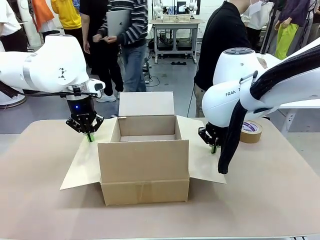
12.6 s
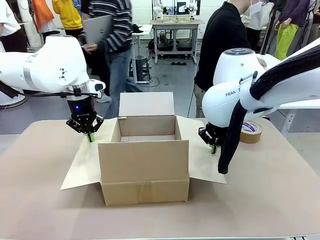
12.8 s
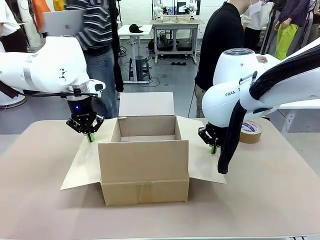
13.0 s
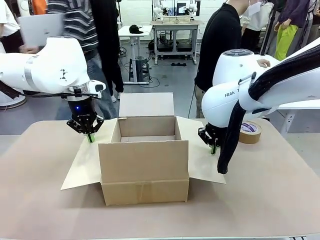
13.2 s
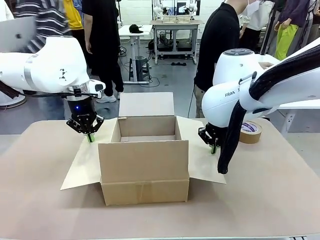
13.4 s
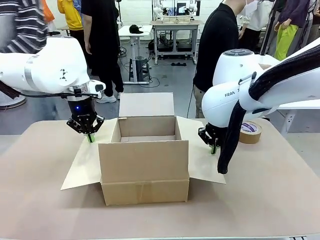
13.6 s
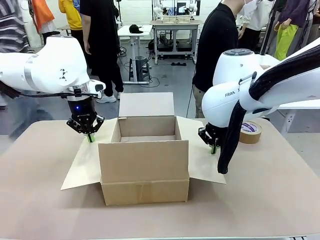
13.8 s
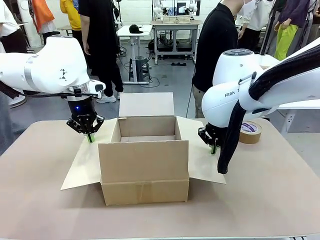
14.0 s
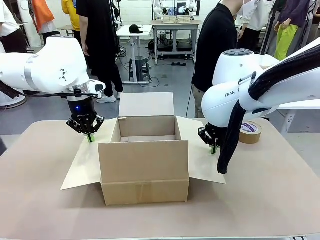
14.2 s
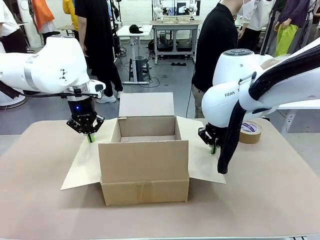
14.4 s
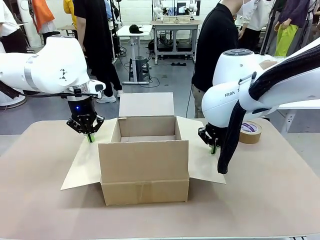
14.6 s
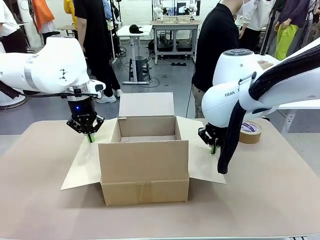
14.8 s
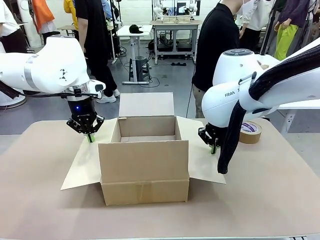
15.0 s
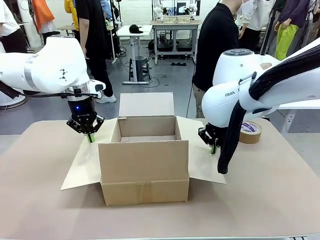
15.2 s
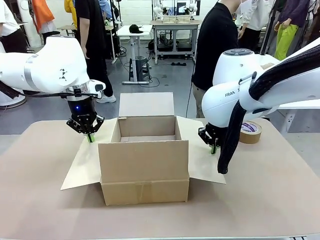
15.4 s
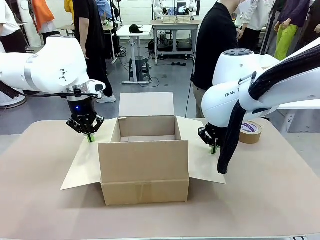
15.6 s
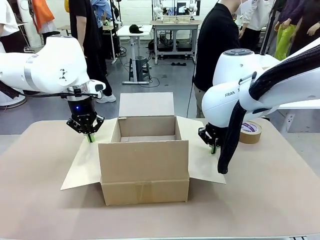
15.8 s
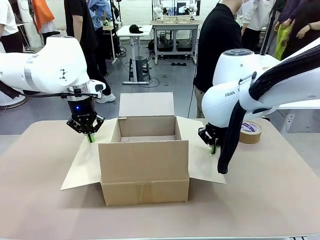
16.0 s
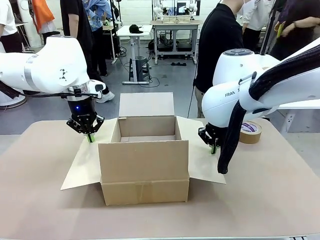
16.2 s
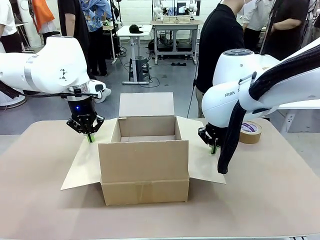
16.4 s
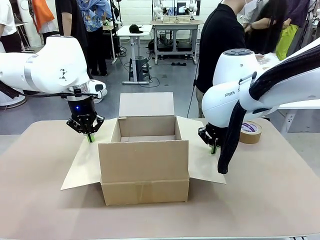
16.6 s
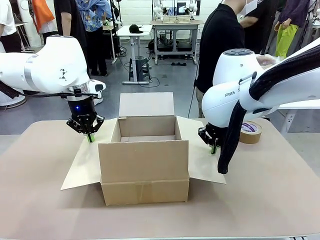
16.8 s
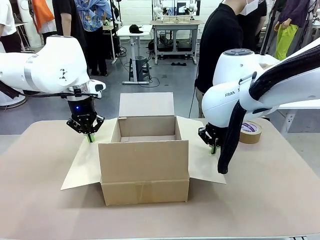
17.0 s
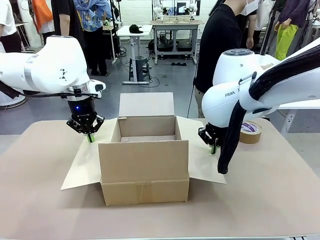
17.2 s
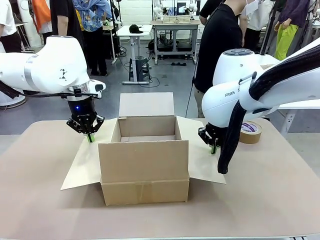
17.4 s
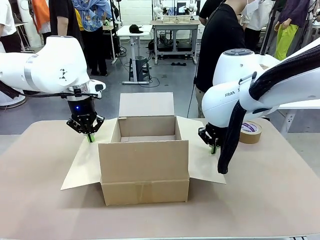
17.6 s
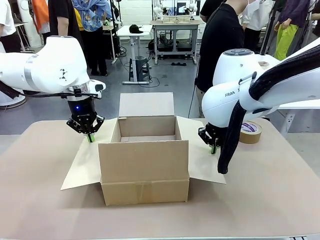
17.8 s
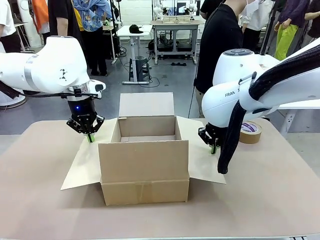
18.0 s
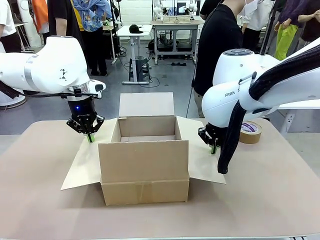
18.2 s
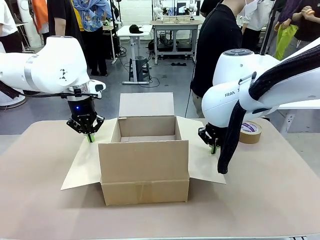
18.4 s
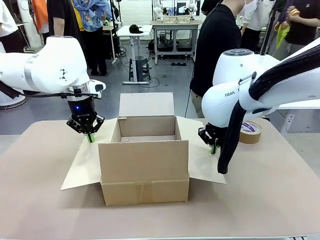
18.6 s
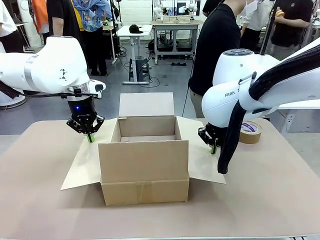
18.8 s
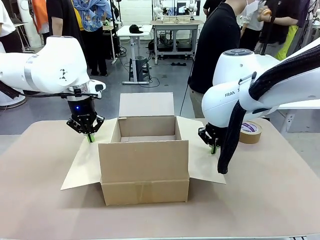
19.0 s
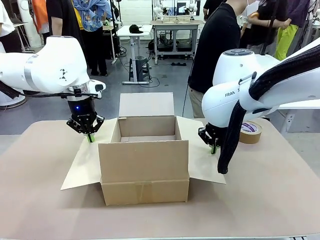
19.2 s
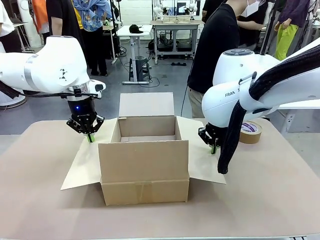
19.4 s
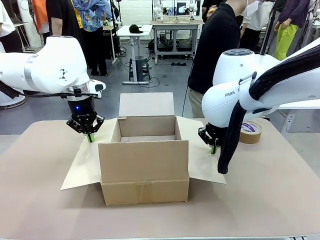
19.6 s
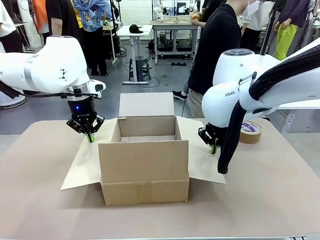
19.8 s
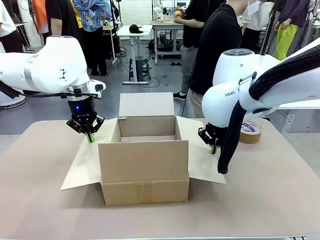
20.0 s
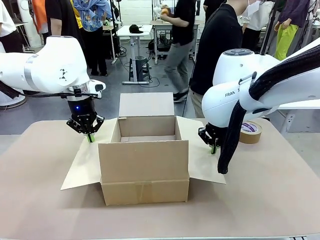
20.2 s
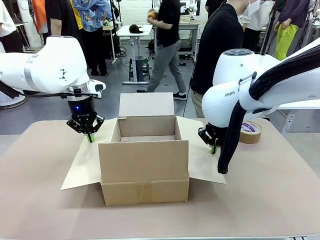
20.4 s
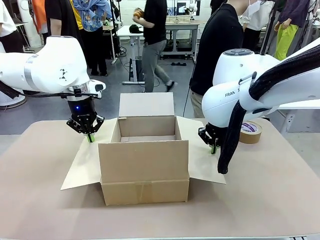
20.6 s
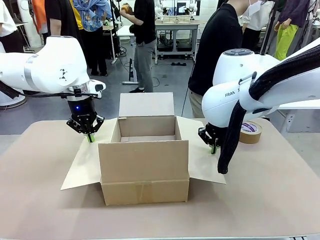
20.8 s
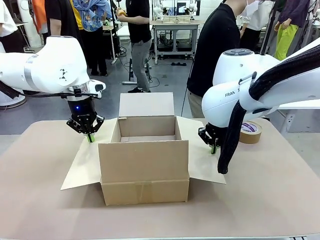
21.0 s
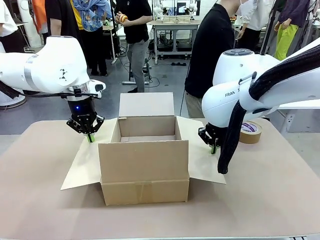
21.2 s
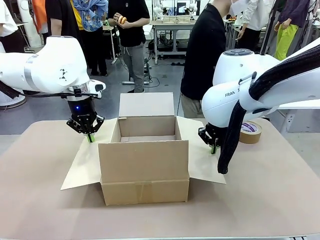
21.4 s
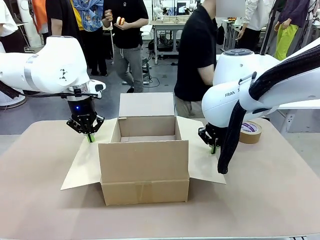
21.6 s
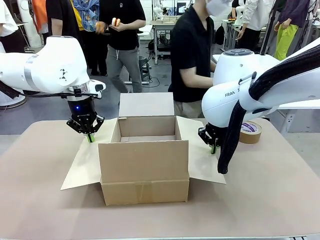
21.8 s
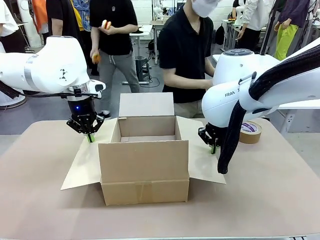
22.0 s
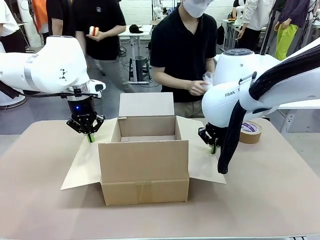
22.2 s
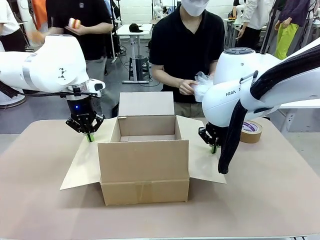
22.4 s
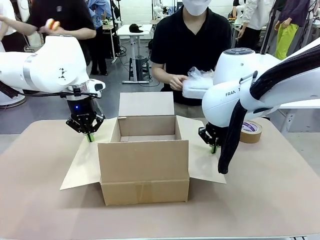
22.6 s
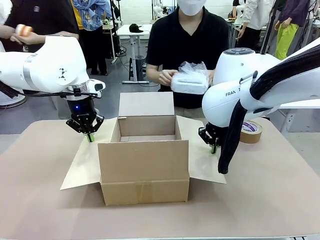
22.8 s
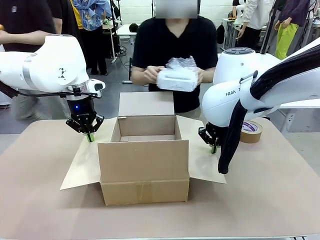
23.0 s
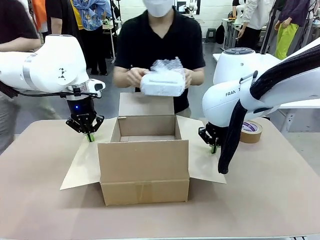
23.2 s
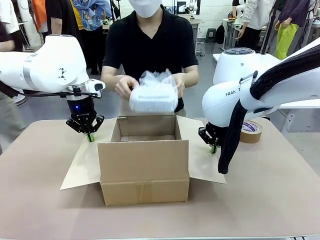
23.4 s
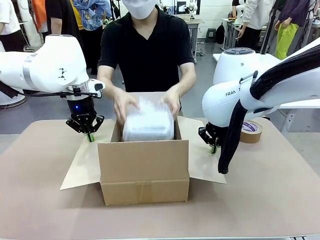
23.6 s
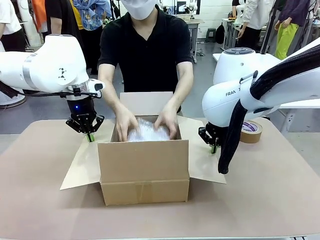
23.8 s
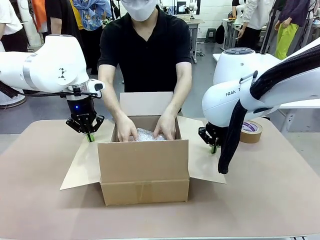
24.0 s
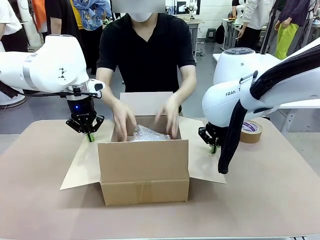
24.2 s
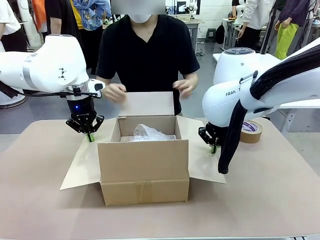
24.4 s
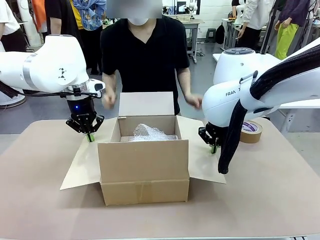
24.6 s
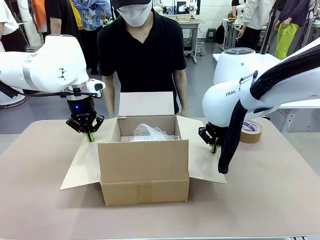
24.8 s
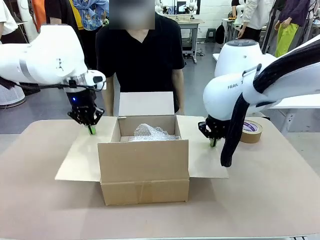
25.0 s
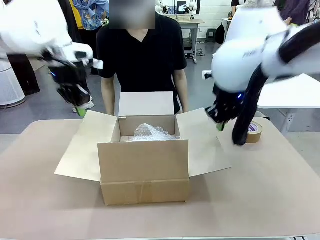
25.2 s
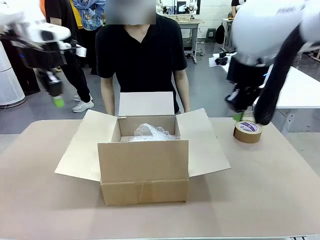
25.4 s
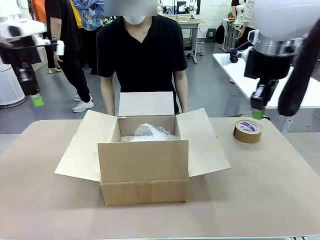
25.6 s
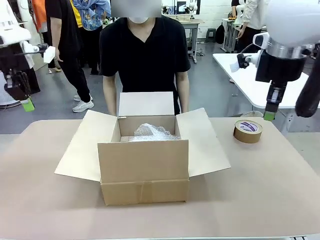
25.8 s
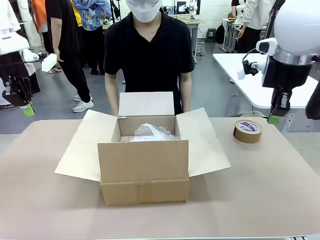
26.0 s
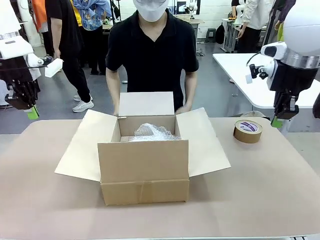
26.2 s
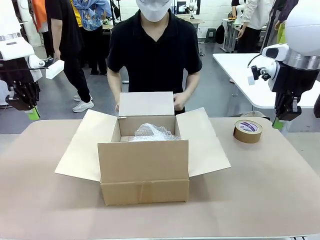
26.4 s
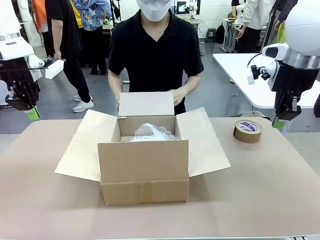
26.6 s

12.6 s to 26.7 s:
Task: Wrap the clocks to prevent damage.
Robot: Once the human has placed the objects inside and stepped back, release both hands from the side flaps of the Package Box.
Person: Place the wrapped Digital clocks inside the Package Box.

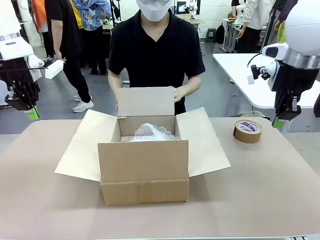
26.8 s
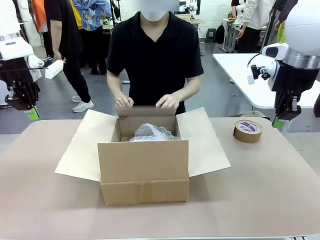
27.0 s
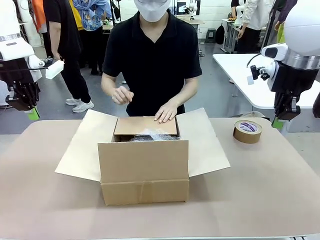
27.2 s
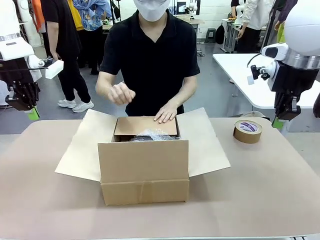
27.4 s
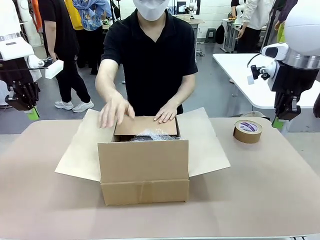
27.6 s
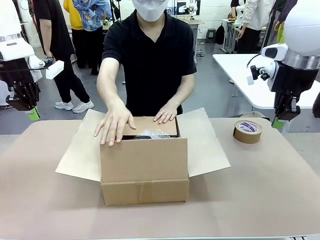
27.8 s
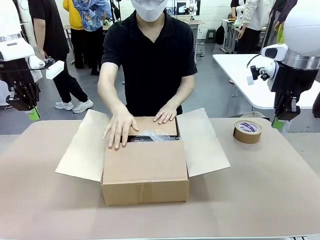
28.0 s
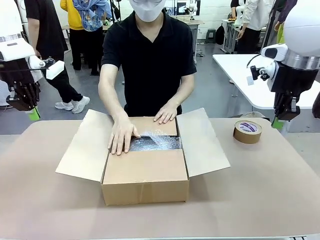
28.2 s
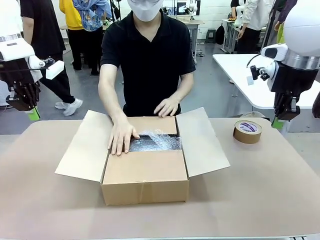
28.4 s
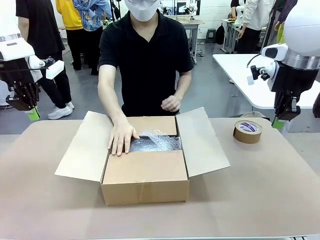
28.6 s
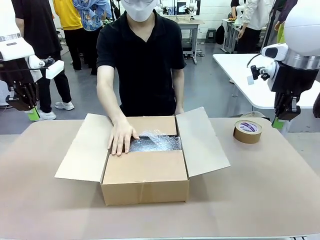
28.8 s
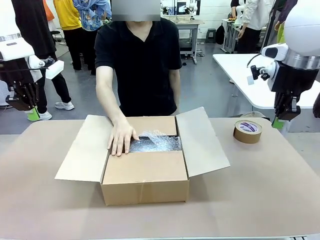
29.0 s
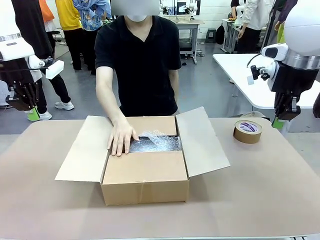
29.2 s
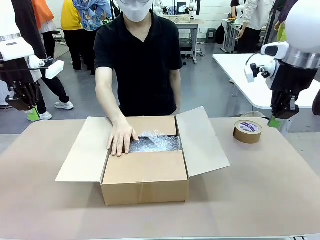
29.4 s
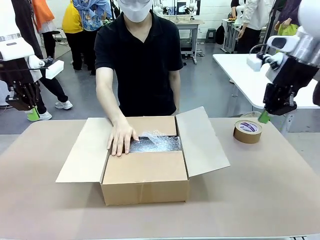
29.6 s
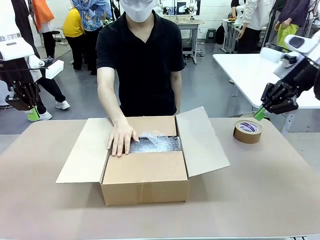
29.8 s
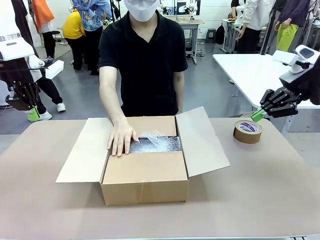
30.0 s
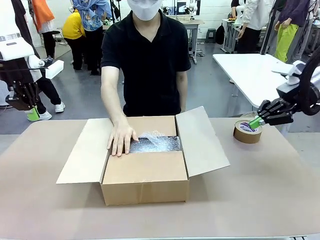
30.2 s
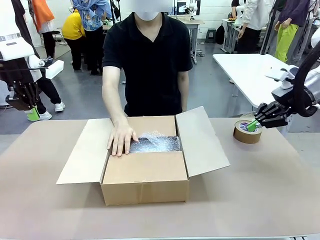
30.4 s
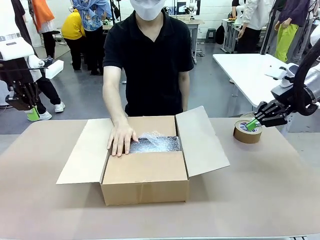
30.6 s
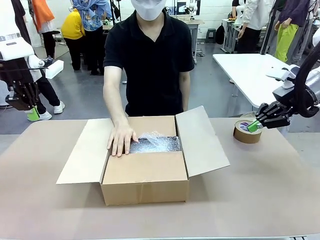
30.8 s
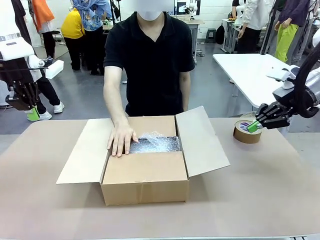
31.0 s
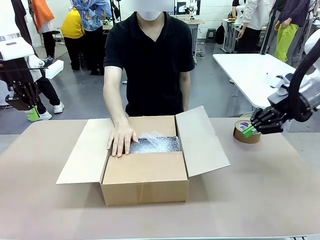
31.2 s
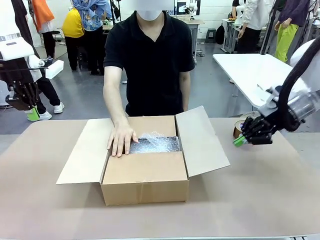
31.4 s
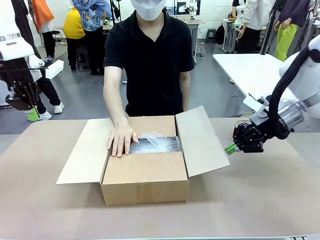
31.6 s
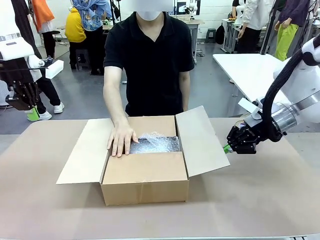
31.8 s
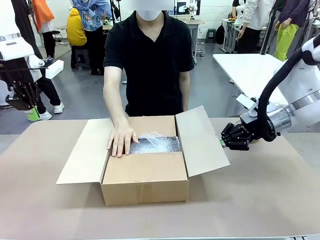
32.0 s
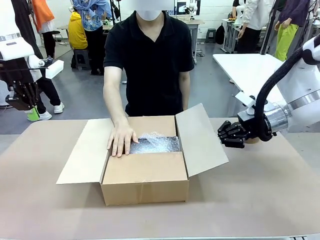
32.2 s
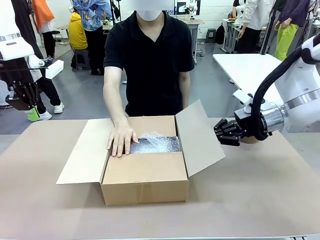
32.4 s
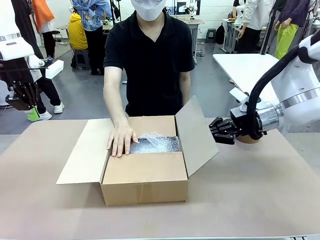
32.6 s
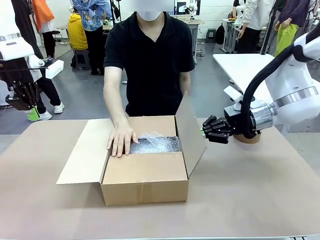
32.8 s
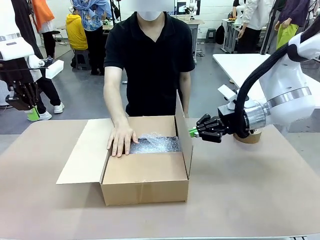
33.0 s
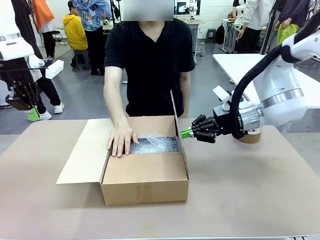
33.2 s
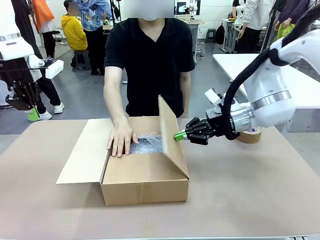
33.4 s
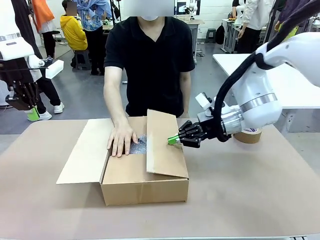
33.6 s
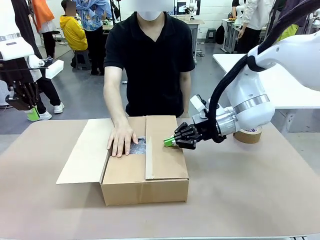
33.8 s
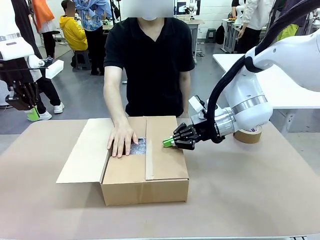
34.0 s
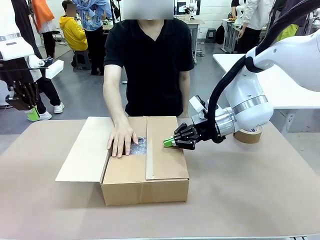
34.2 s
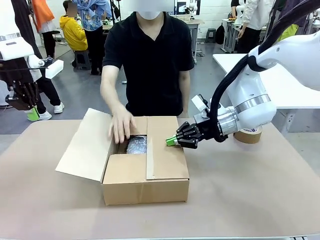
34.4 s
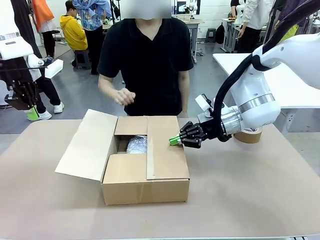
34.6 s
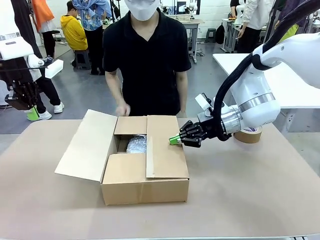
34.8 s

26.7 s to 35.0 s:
Robot: Push the right (or left) flap of the Package Box to close it.
Person: Hold the top and bottom flaps of the Package Box closed with your left (or right) hand. Once the robot closes the right flap of the Package Box , release your left hand from the box.
